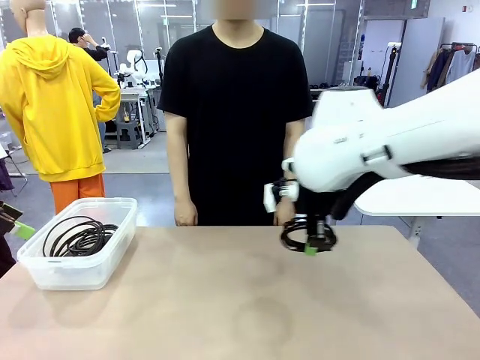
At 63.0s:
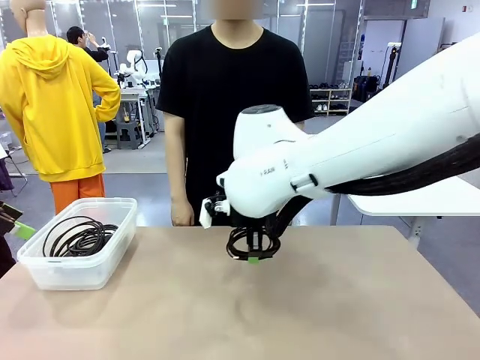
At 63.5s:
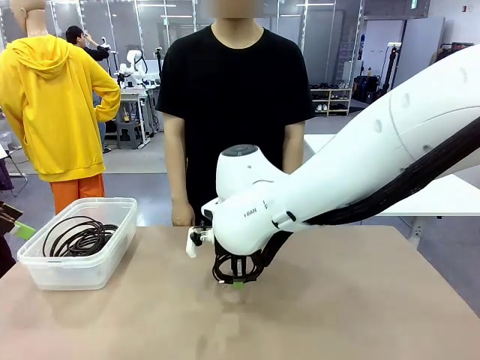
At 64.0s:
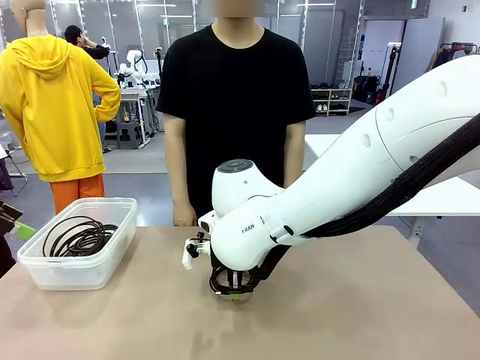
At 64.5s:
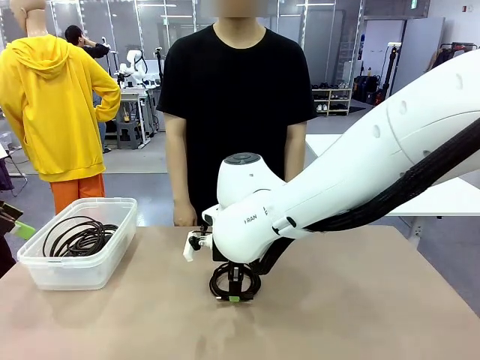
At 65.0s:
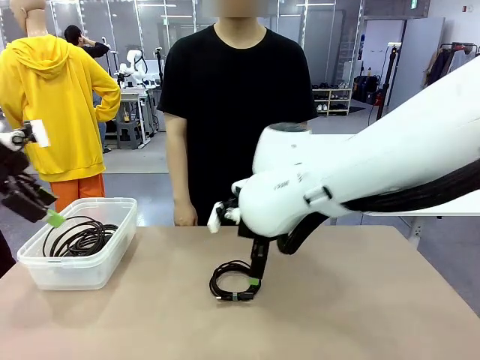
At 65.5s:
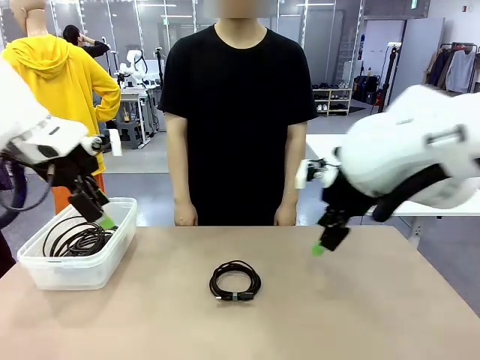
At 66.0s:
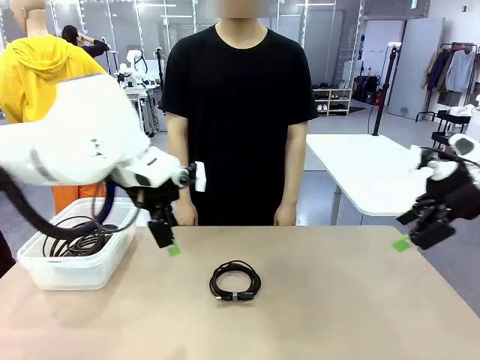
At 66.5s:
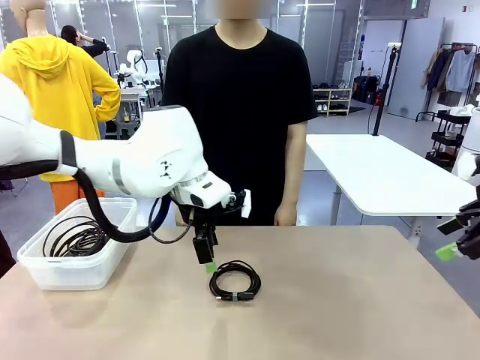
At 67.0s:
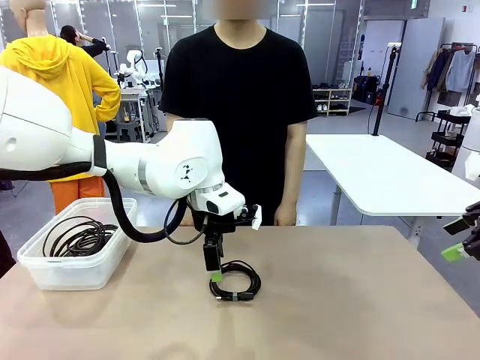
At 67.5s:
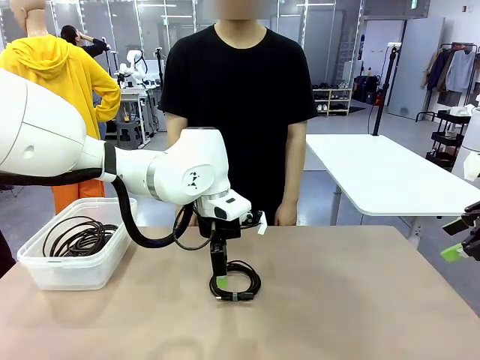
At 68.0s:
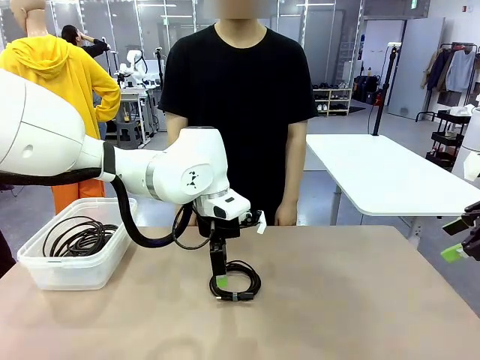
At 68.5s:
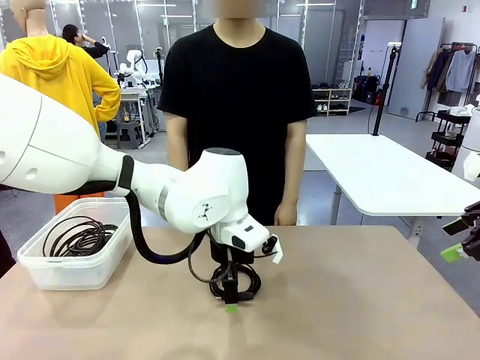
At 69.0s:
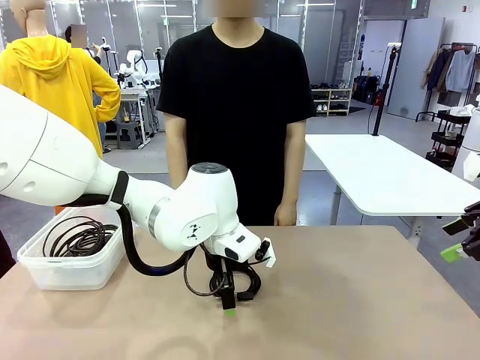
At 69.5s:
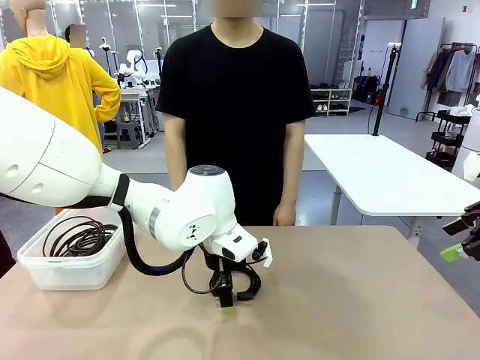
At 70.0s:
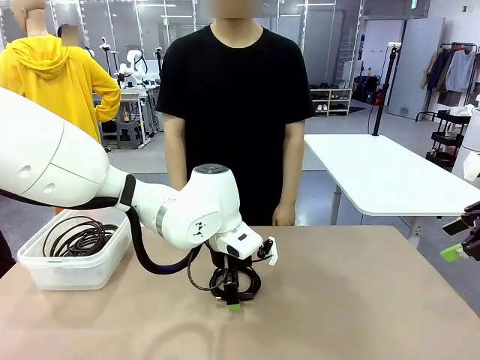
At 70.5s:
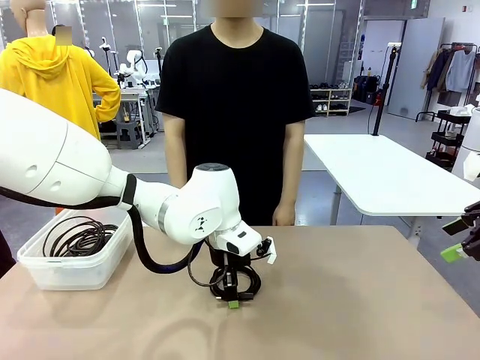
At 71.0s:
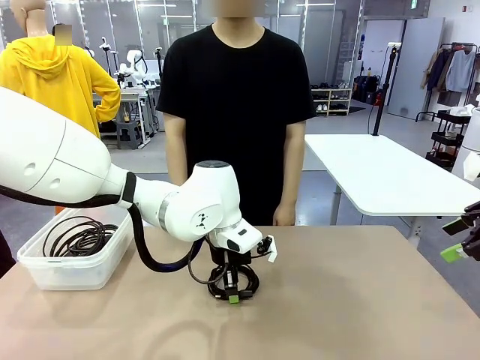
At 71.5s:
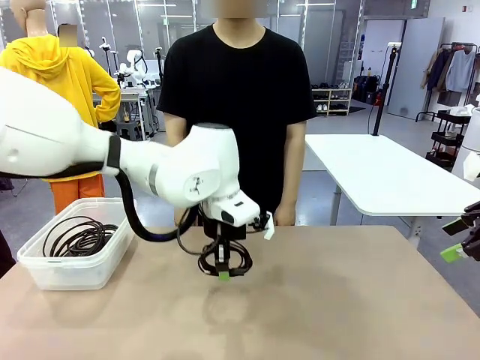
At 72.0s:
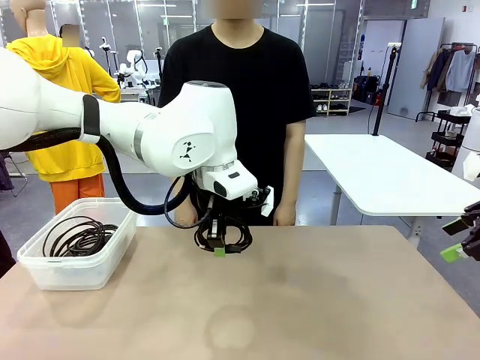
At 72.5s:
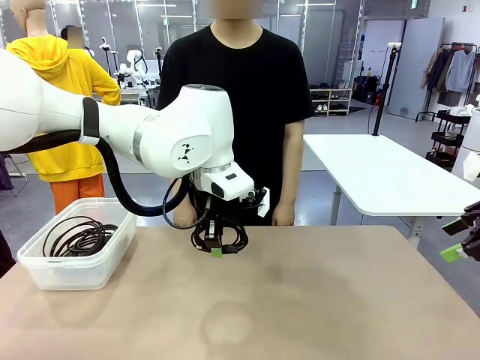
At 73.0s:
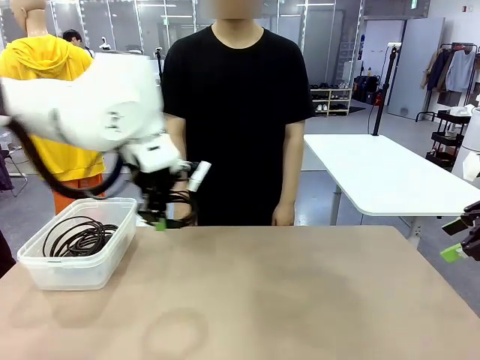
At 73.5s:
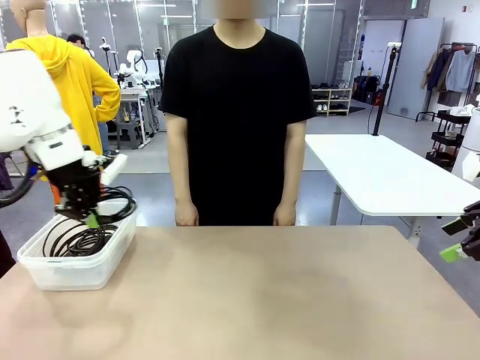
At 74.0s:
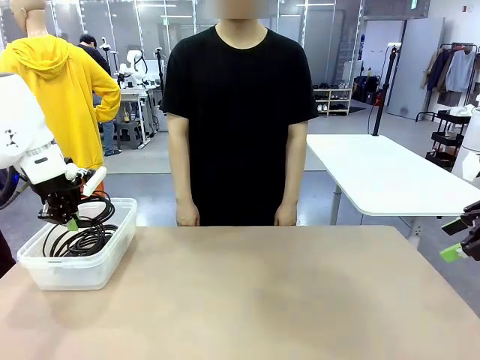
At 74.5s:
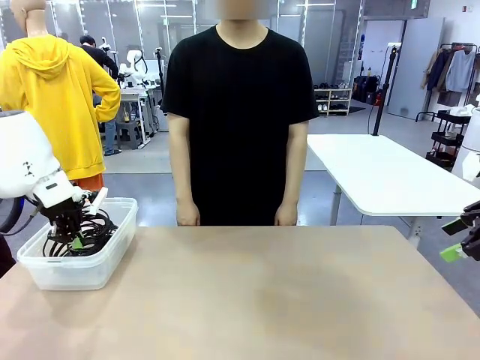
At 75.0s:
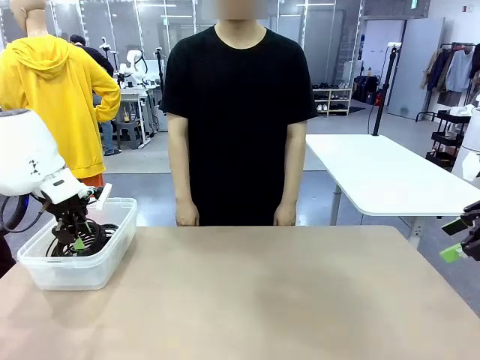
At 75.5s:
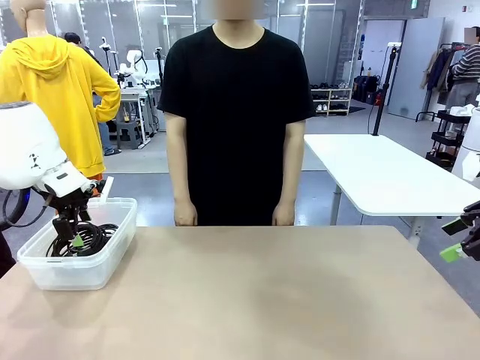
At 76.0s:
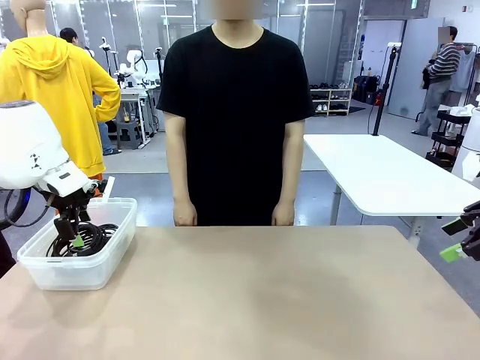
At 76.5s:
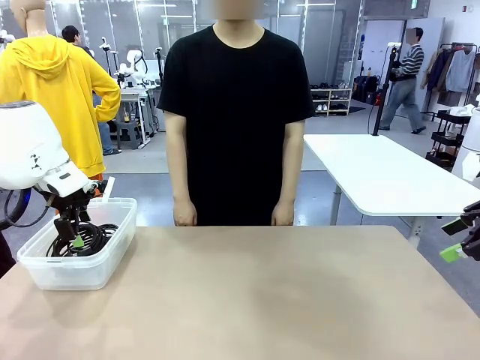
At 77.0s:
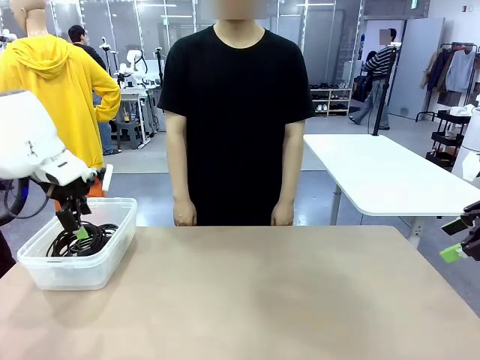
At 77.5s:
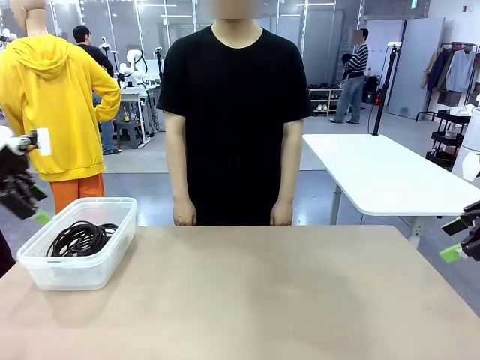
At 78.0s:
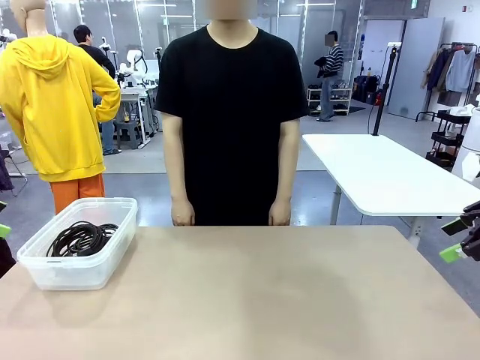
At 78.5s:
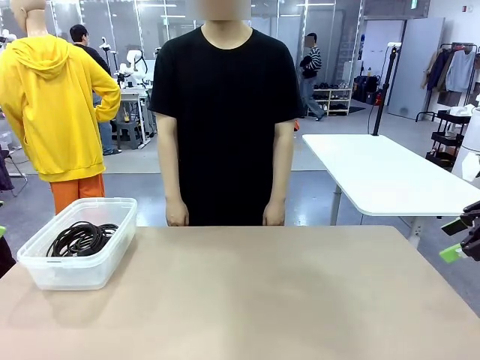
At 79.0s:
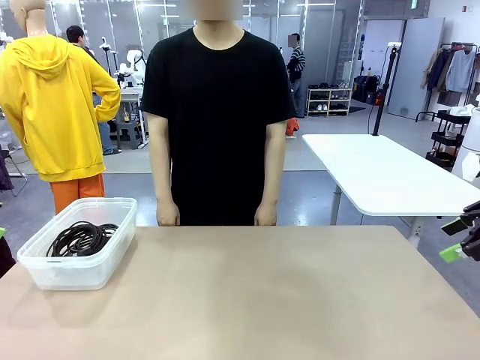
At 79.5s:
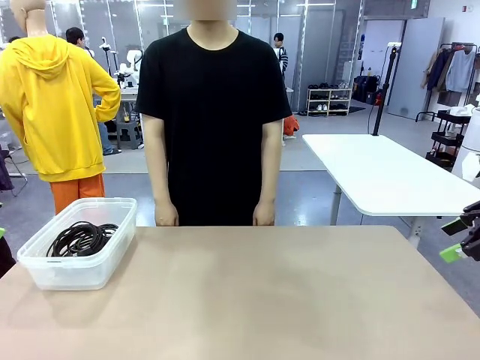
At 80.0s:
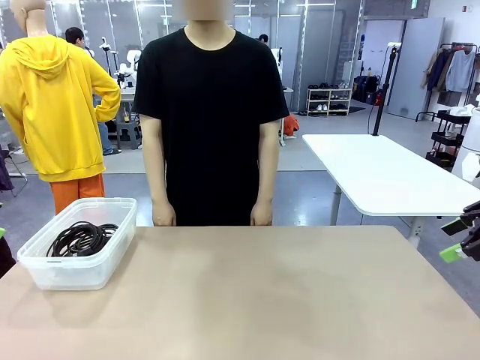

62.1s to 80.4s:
Task: Organize and store the cables.
Robot: Place the USB Extension Cable into the Organizing box.

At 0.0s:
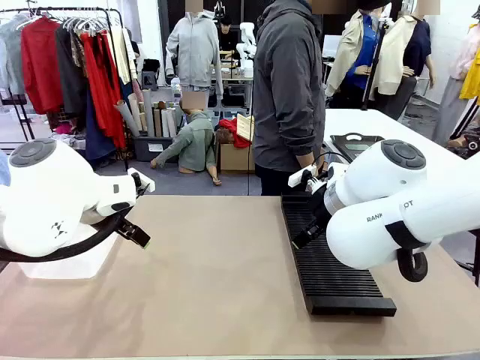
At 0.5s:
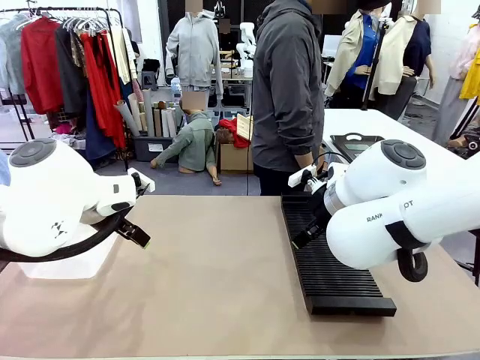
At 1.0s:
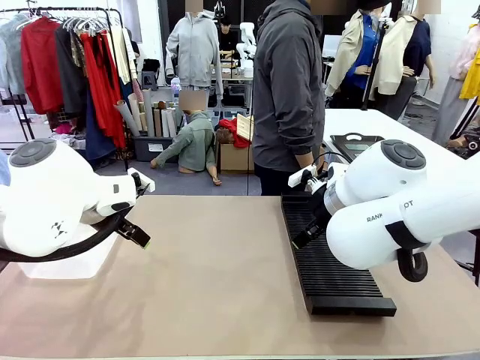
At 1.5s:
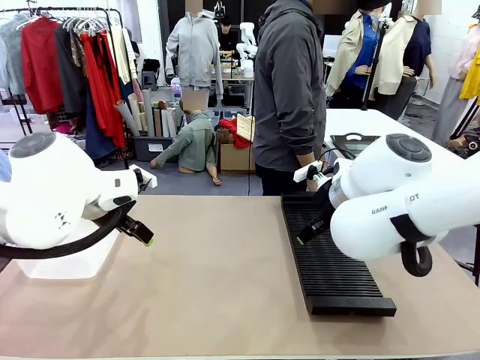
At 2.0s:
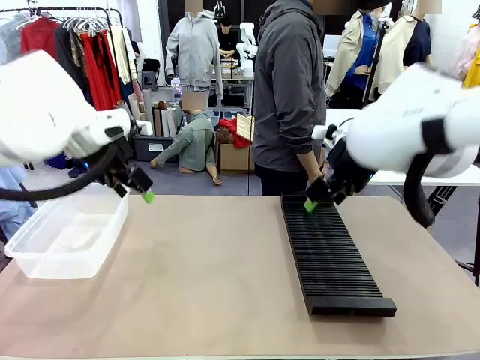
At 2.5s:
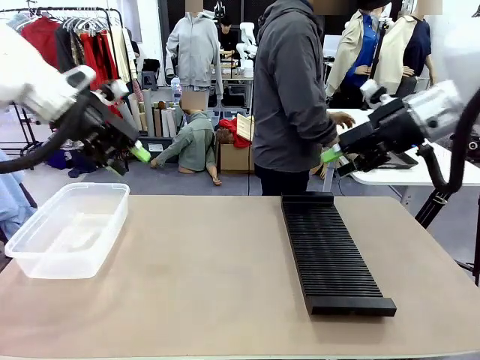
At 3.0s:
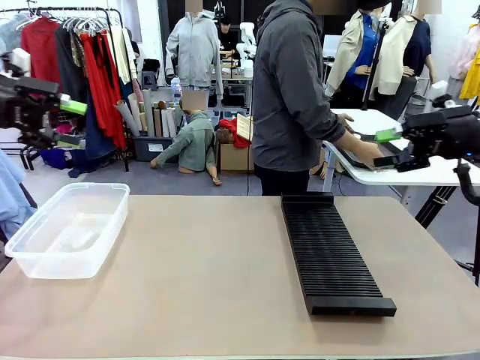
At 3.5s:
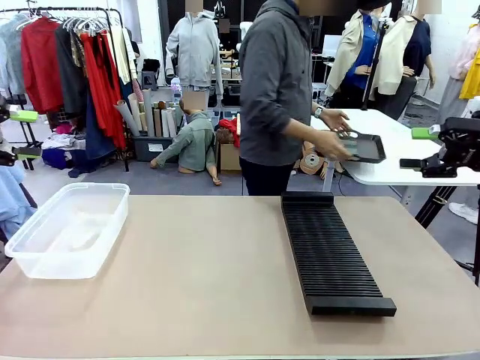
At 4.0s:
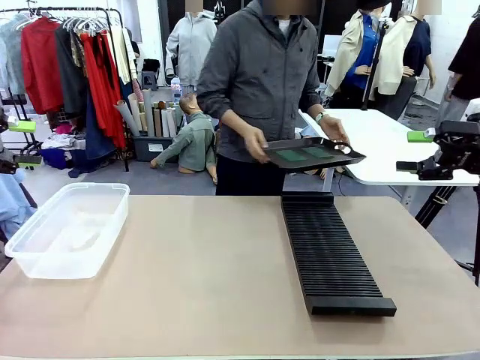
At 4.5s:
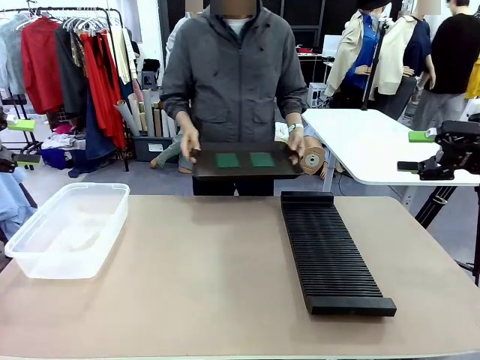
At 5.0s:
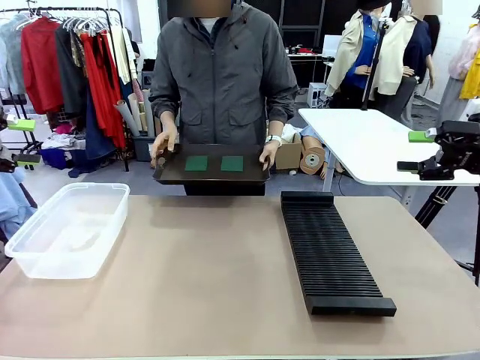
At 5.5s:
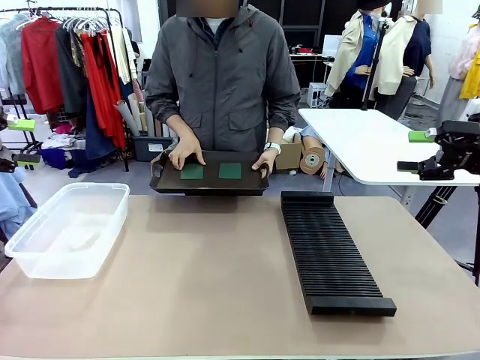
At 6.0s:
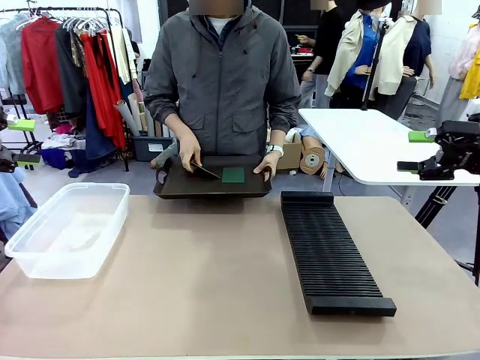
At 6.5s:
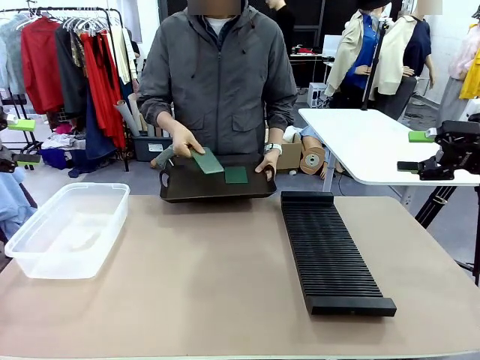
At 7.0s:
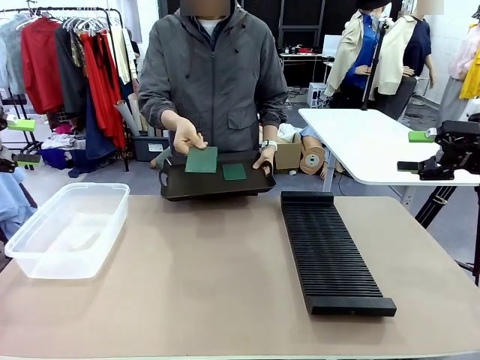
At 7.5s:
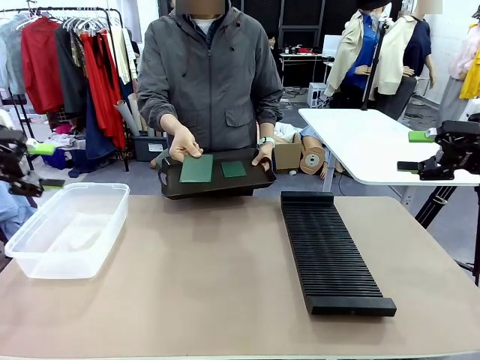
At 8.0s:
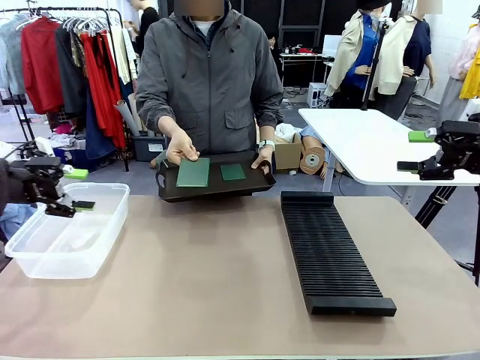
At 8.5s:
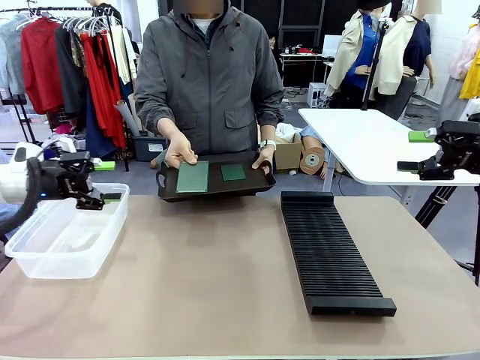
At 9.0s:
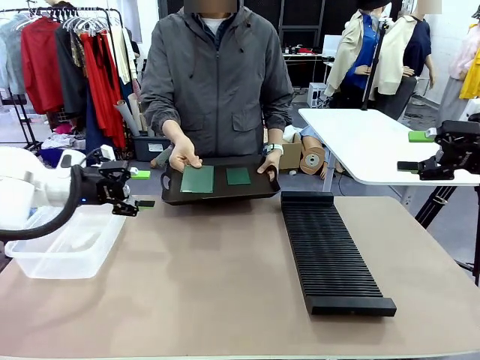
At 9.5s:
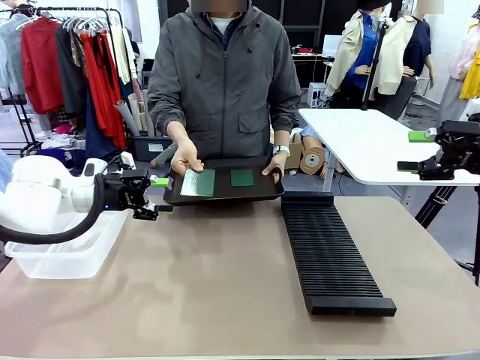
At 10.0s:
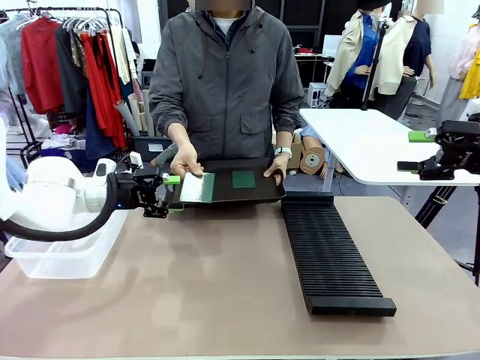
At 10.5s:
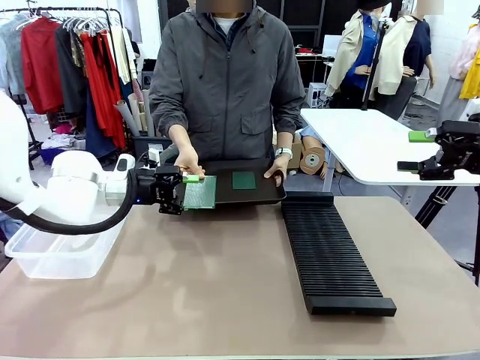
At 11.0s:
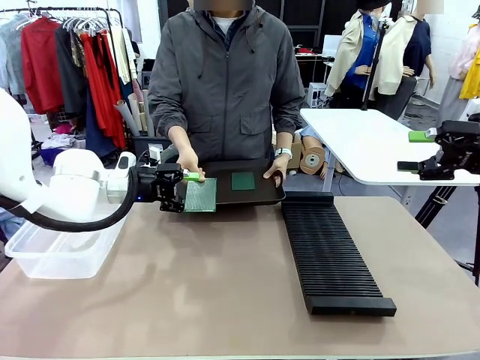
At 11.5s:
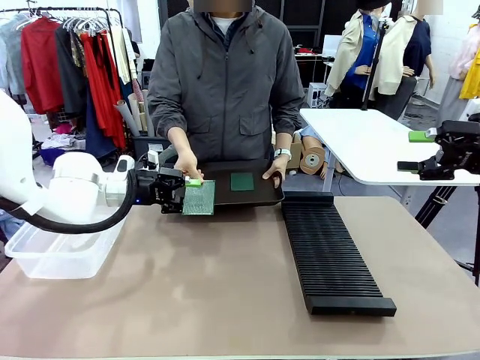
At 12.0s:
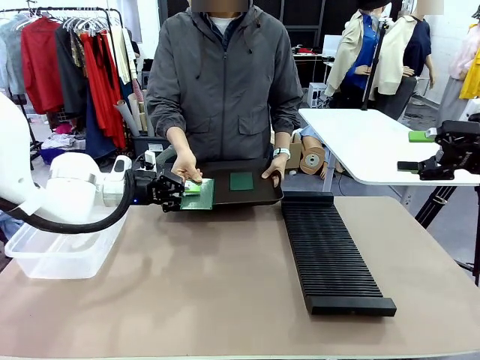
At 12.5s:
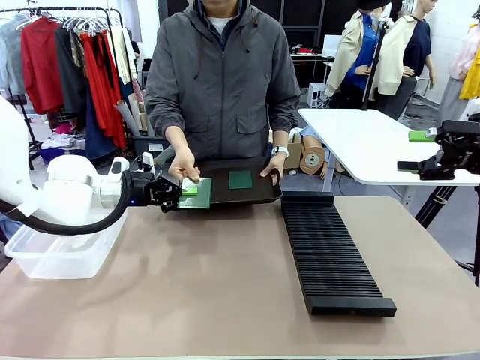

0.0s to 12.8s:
Task: Sort PCBs into racks and boxes based on the side picked up.
Robot: Pick up the Blank PCB handed by the Human.
Person: Pick one PCB from the tray and present it to the robot. Release the PCB being held.
